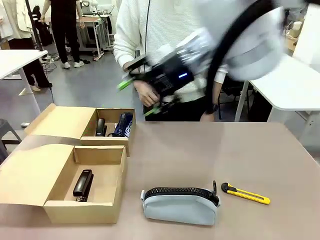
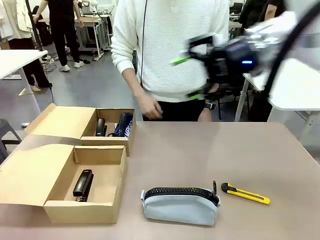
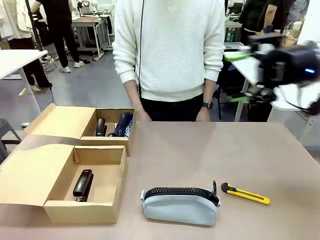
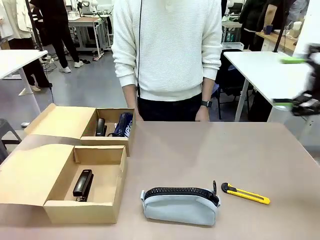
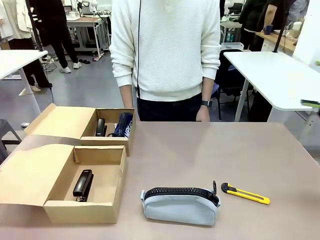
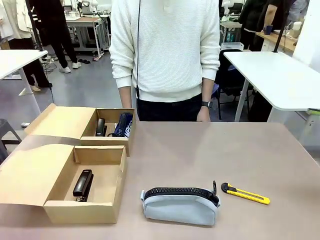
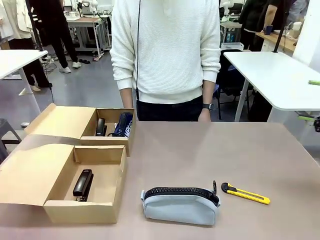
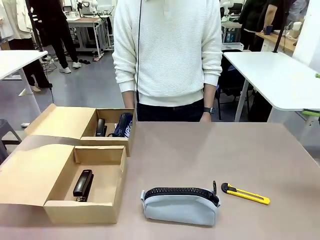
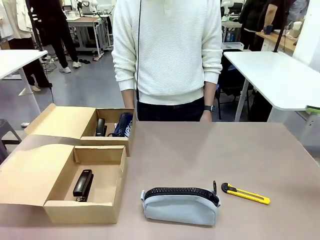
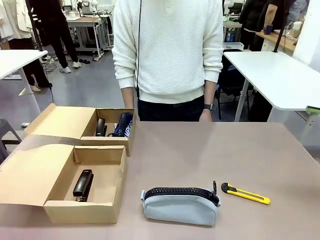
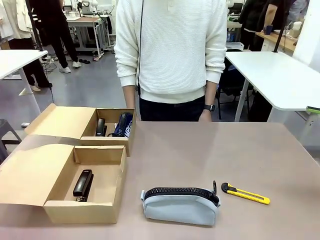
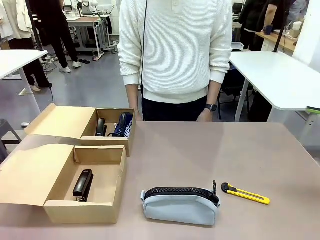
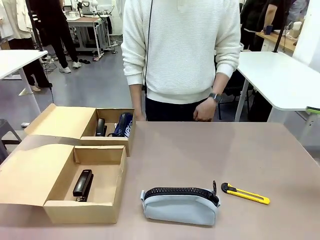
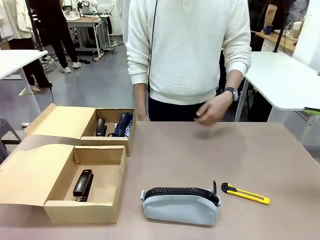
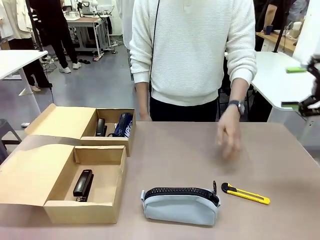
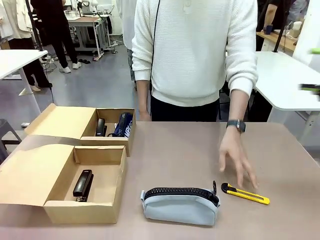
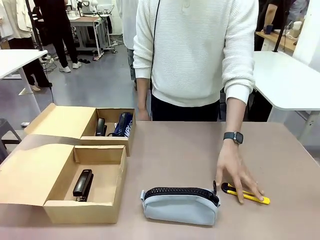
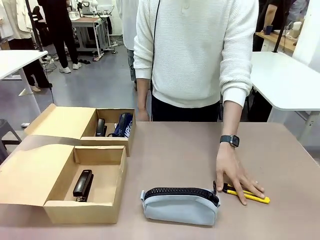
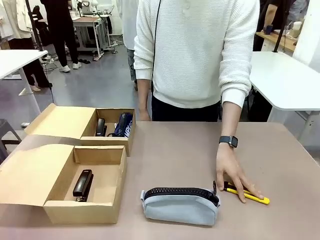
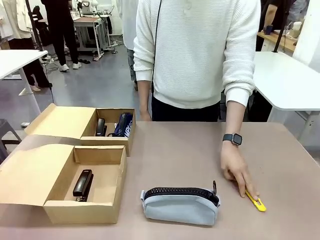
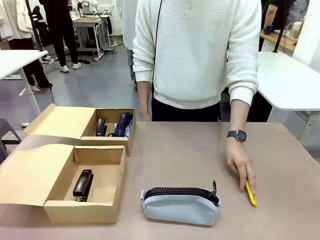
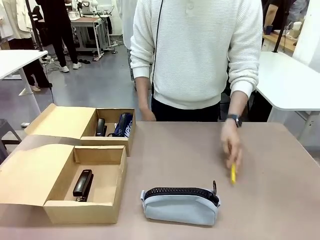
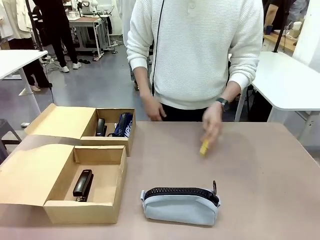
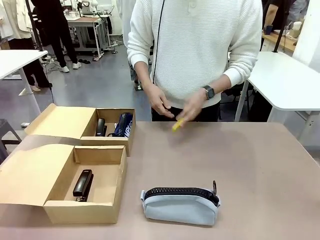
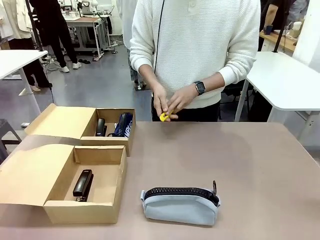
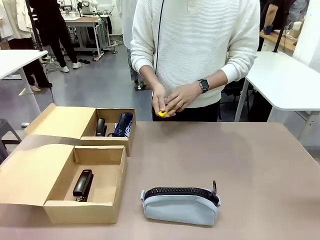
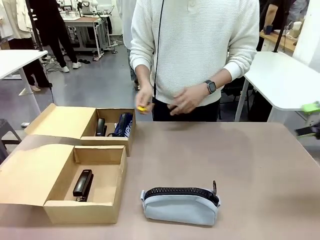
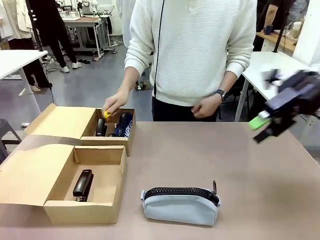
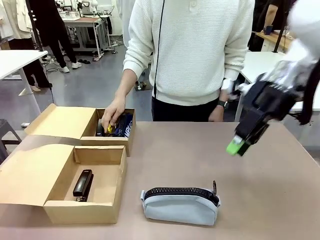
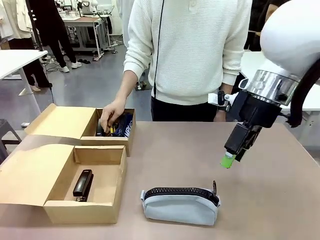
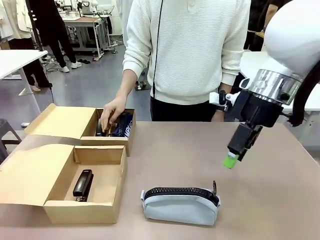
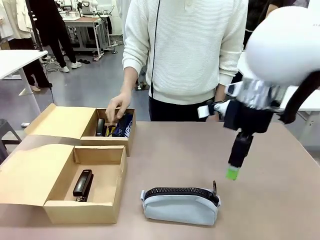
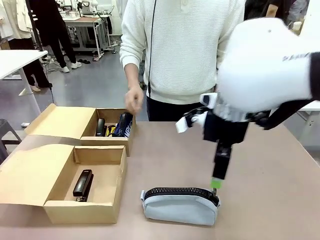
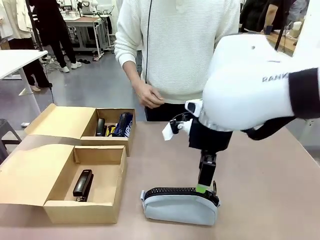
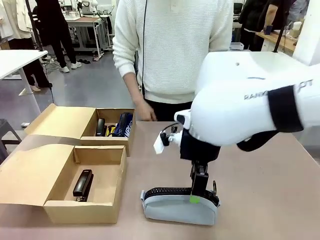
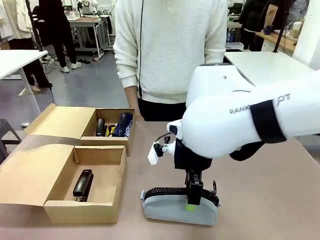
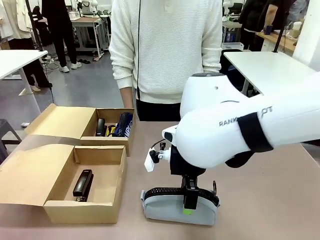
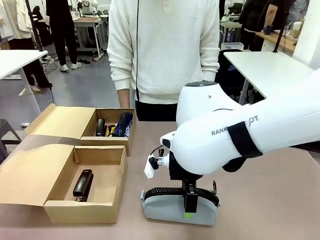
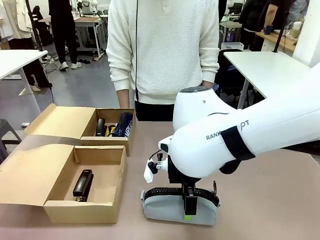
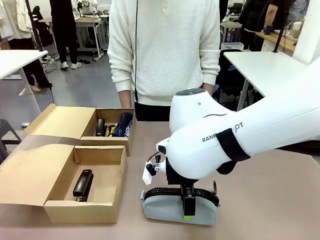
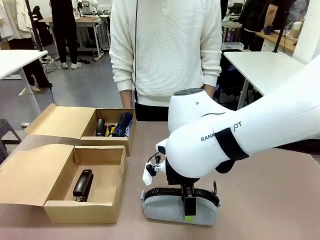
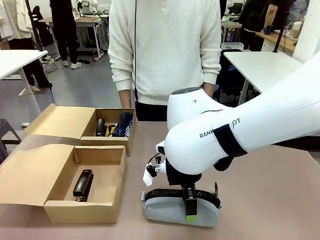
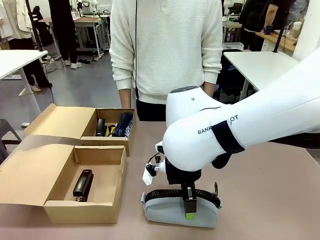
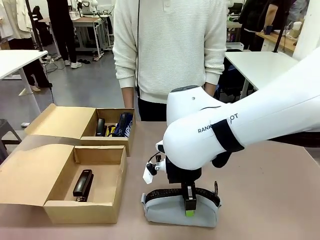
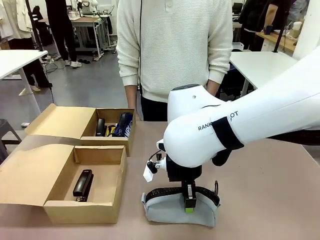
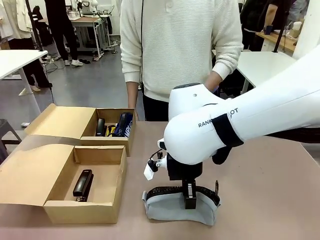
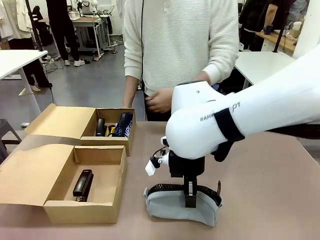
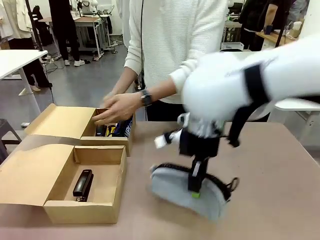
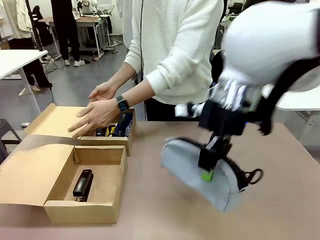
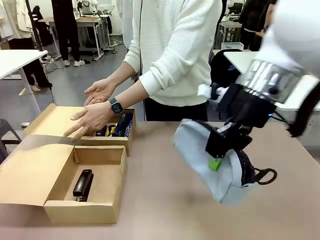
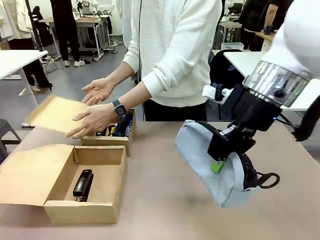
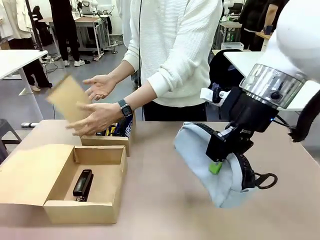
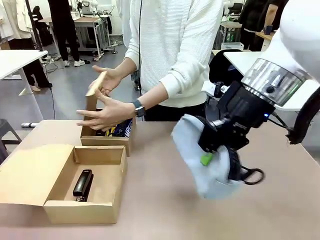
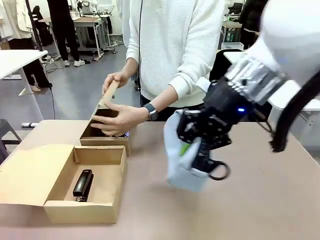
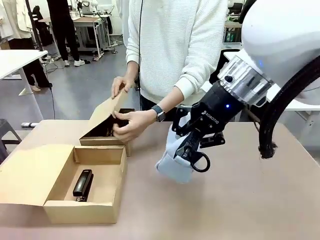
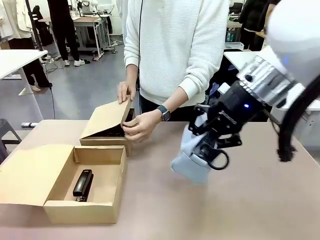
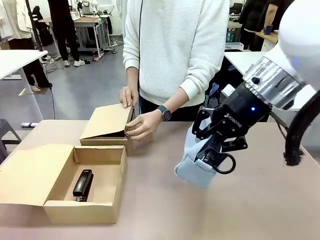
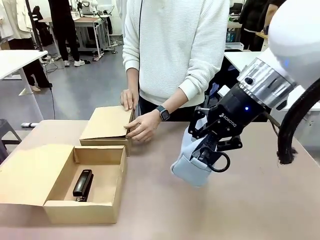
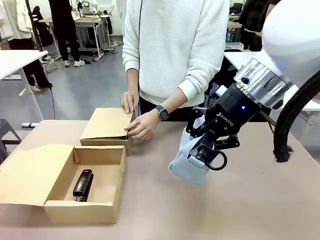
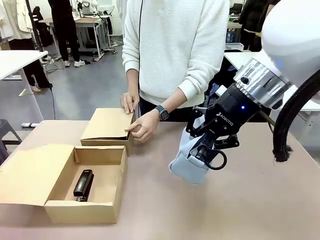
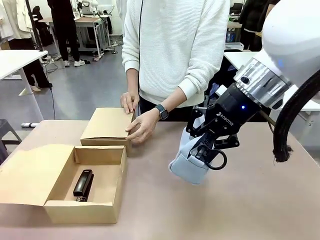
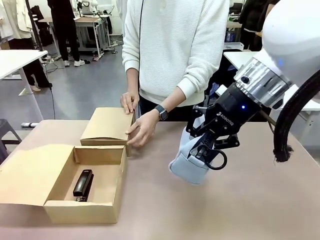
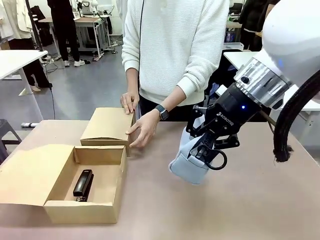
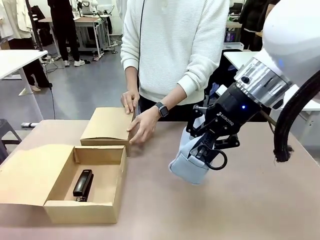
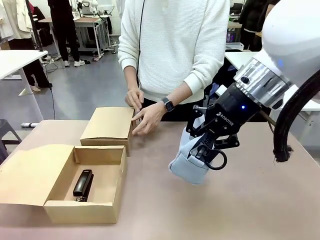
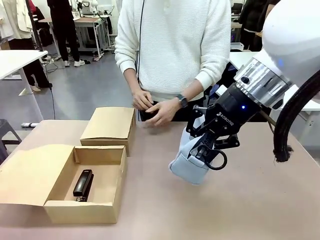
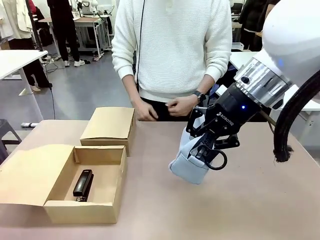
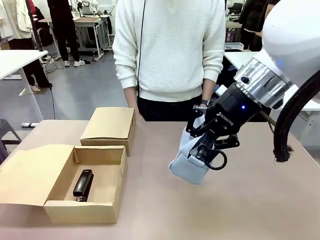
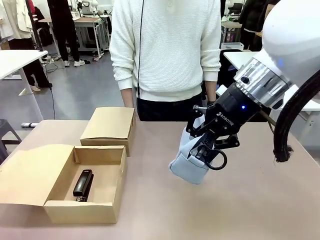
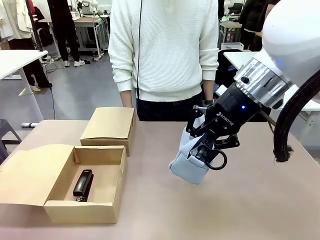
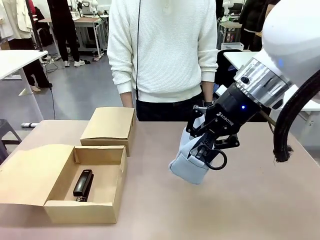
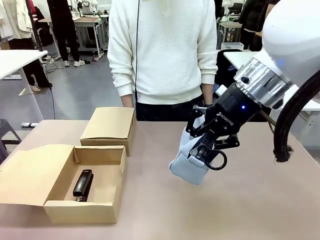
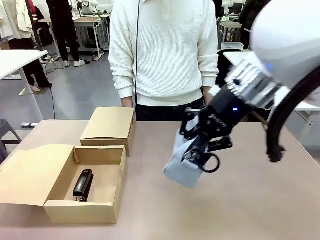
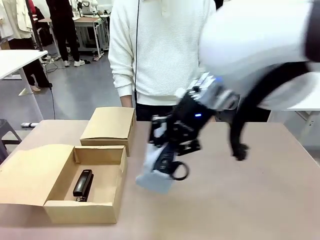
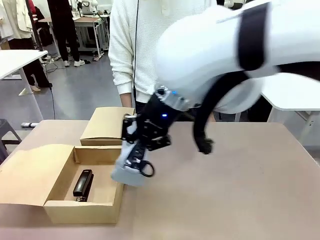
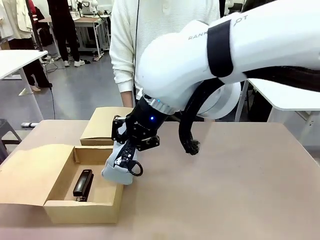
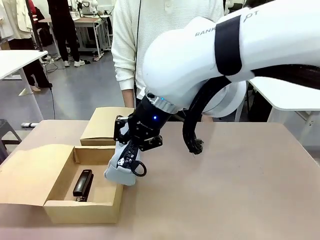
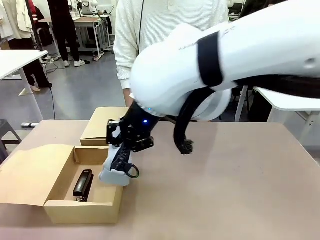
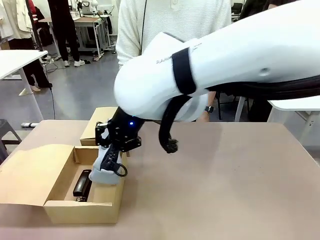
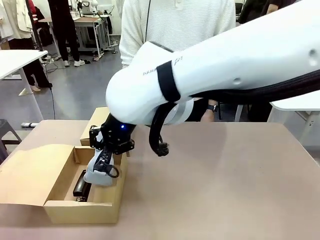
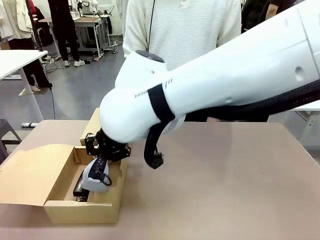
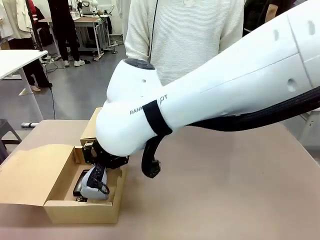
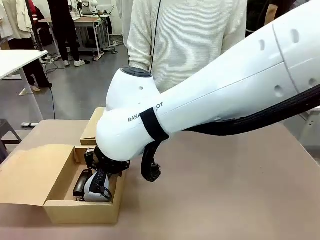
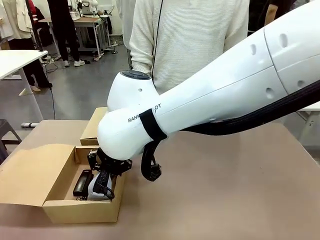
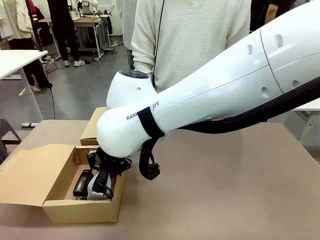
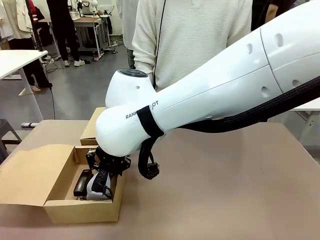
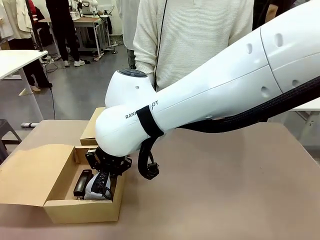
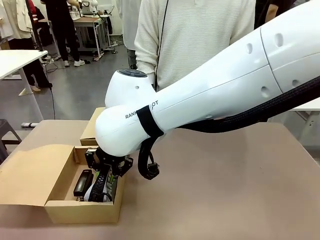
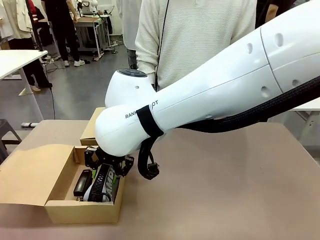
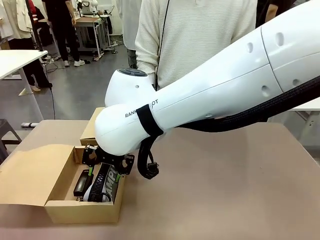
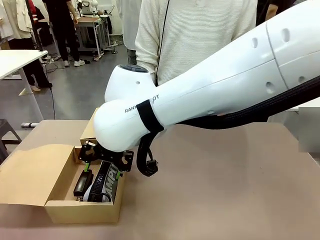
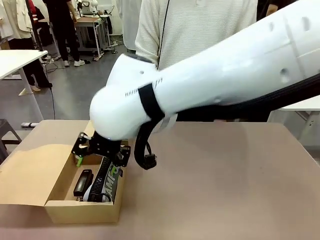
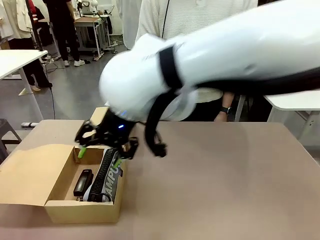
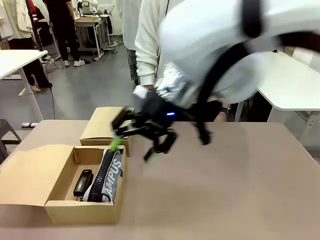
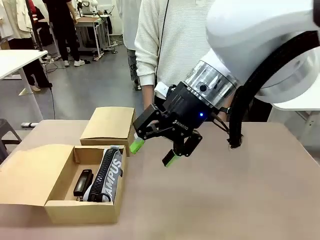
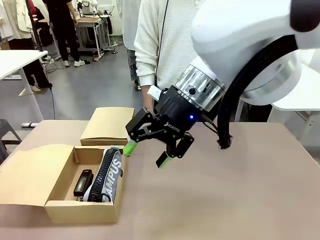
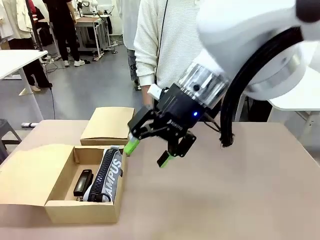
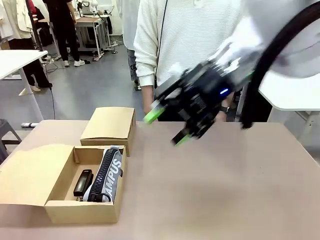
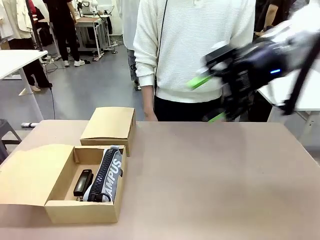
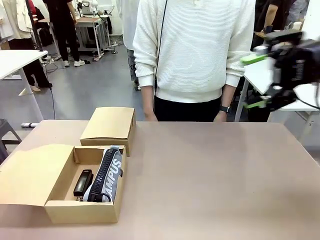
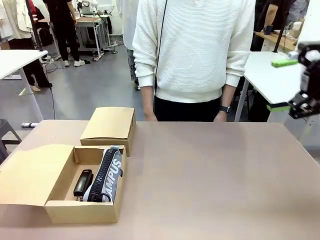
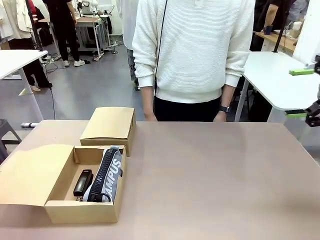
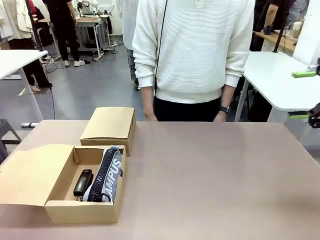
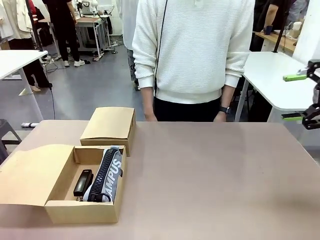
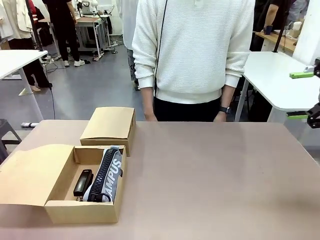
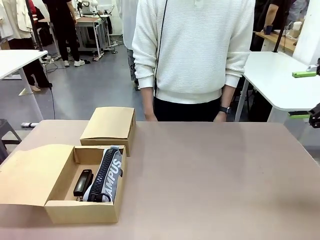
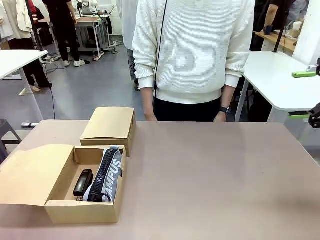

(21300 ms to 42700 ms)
Task: Place items inside the box.
Robot: Pick up a Pencil pouch or Stapler and place it inside the Mailer Box closest to the robot.
Person: Close the lid of the box facing the person.
